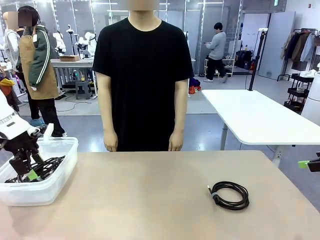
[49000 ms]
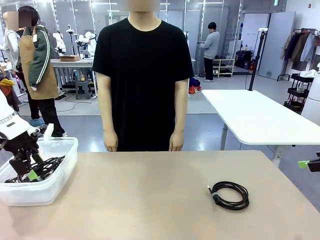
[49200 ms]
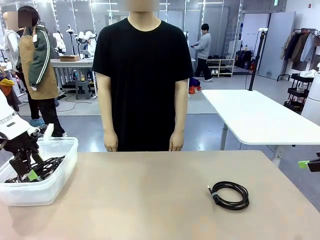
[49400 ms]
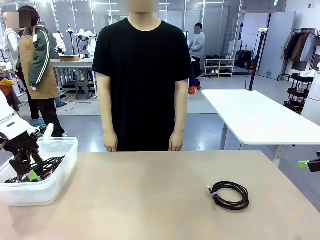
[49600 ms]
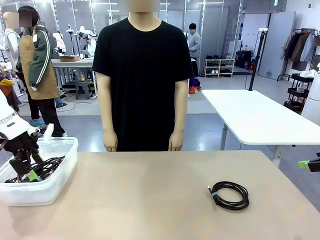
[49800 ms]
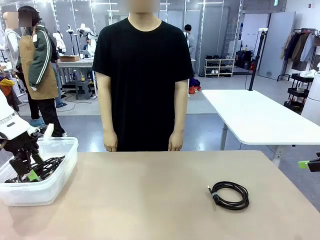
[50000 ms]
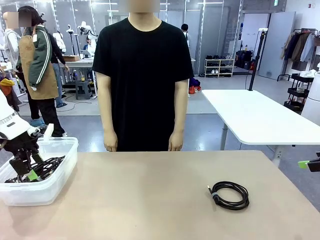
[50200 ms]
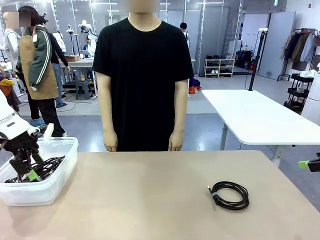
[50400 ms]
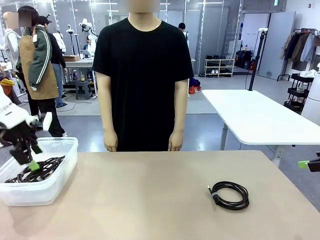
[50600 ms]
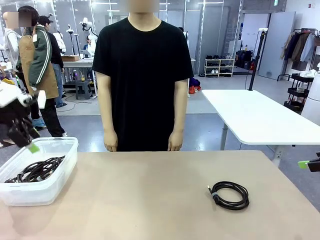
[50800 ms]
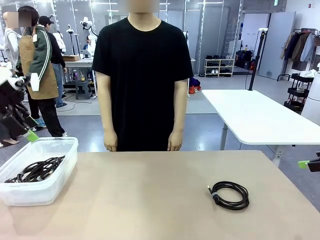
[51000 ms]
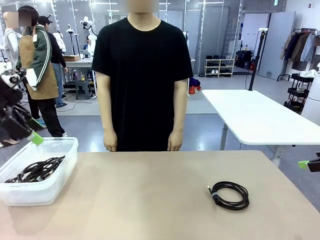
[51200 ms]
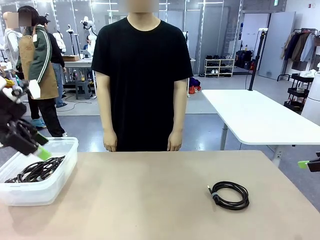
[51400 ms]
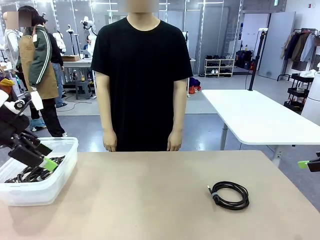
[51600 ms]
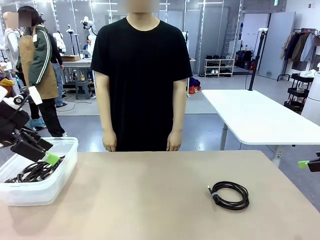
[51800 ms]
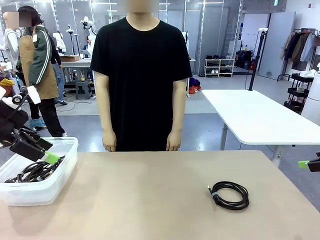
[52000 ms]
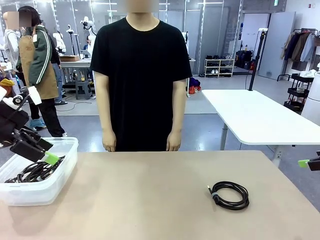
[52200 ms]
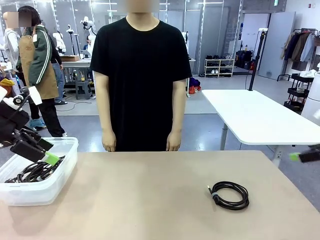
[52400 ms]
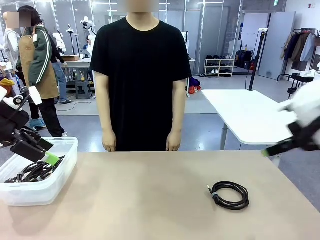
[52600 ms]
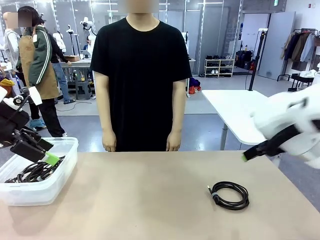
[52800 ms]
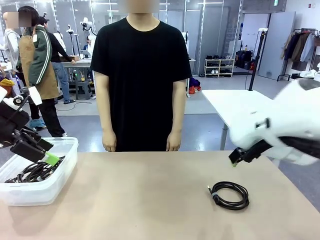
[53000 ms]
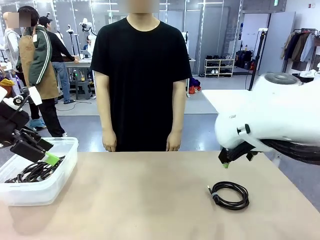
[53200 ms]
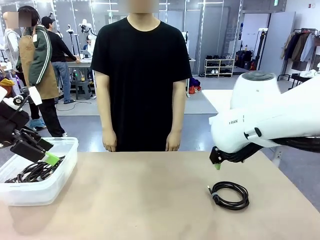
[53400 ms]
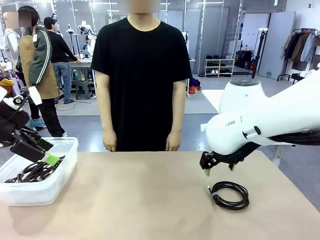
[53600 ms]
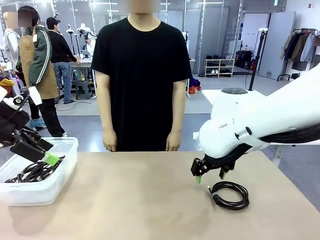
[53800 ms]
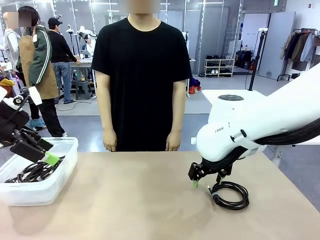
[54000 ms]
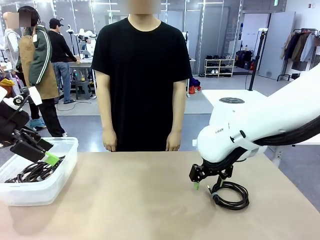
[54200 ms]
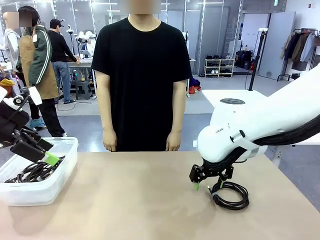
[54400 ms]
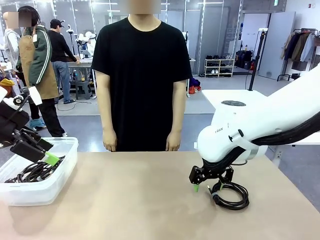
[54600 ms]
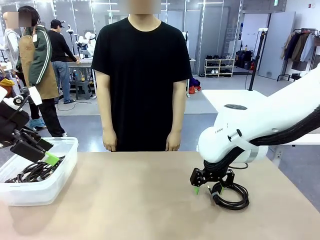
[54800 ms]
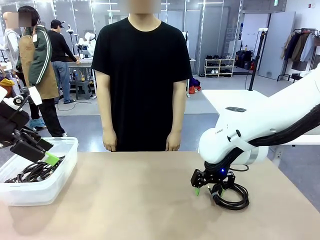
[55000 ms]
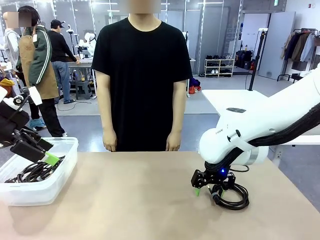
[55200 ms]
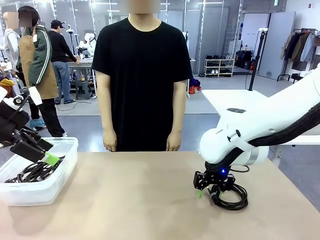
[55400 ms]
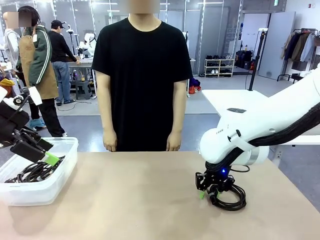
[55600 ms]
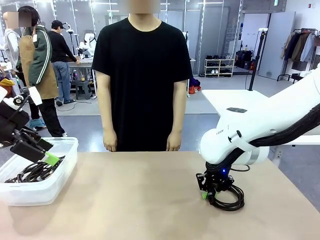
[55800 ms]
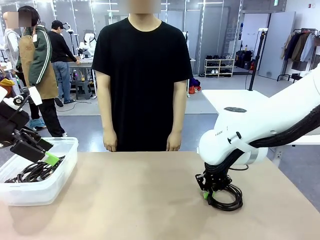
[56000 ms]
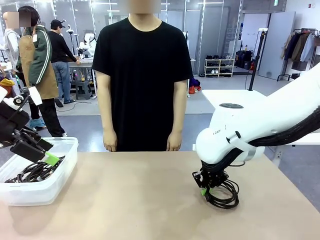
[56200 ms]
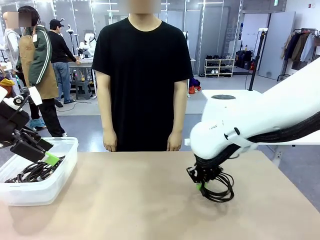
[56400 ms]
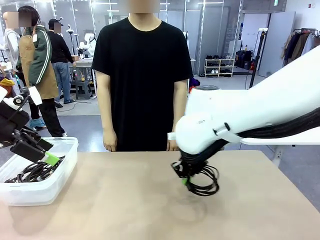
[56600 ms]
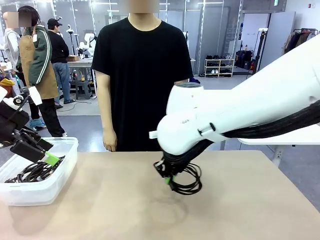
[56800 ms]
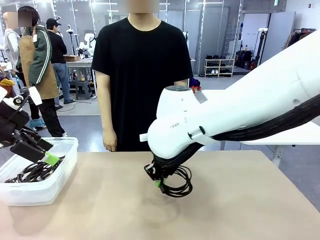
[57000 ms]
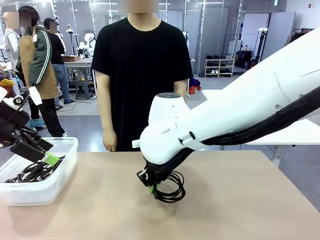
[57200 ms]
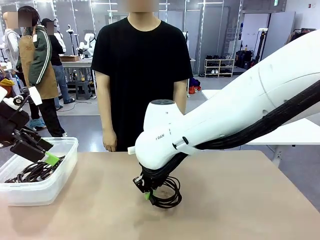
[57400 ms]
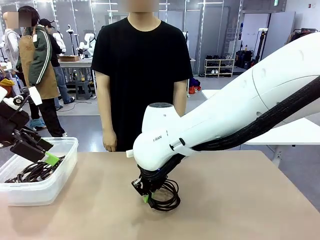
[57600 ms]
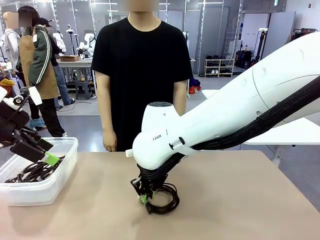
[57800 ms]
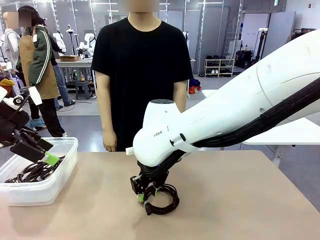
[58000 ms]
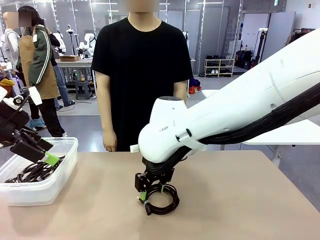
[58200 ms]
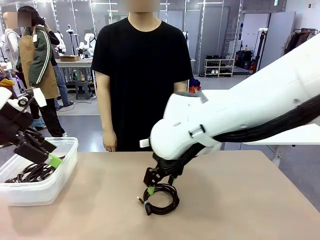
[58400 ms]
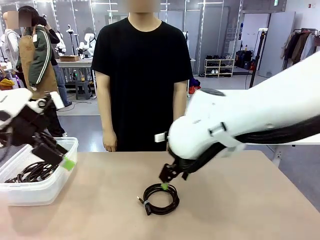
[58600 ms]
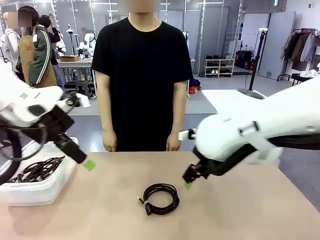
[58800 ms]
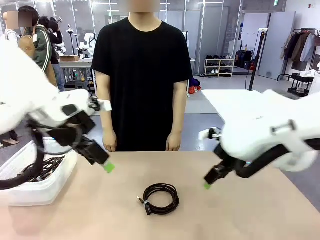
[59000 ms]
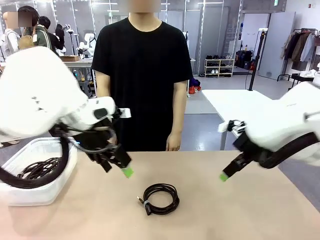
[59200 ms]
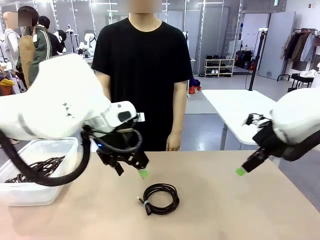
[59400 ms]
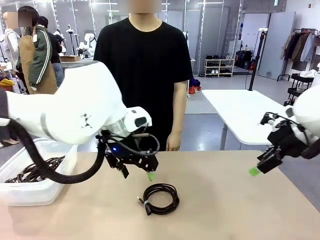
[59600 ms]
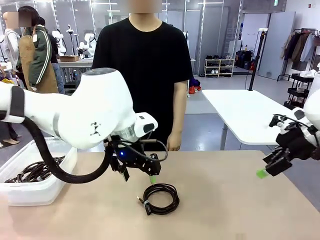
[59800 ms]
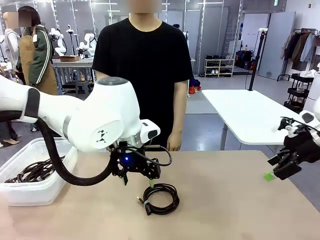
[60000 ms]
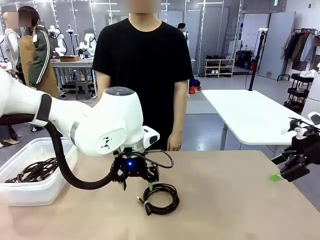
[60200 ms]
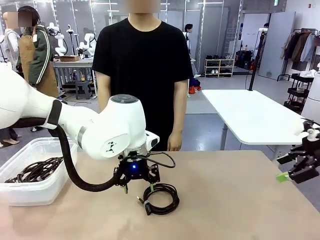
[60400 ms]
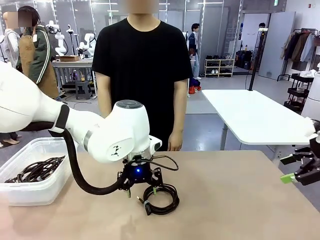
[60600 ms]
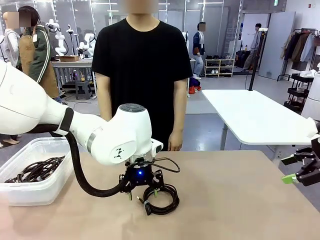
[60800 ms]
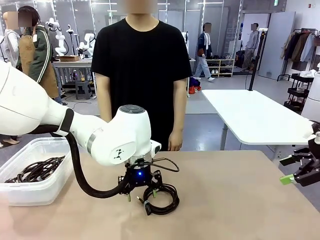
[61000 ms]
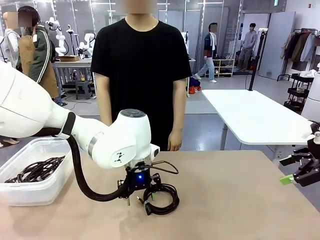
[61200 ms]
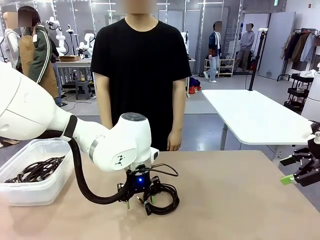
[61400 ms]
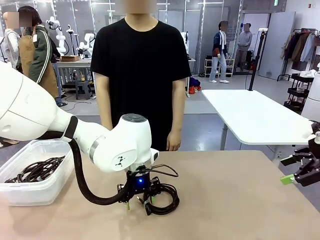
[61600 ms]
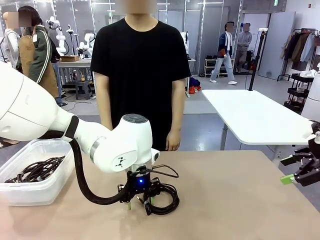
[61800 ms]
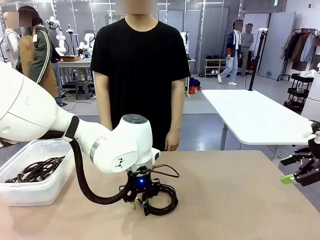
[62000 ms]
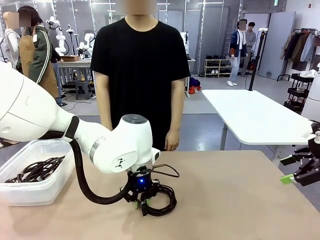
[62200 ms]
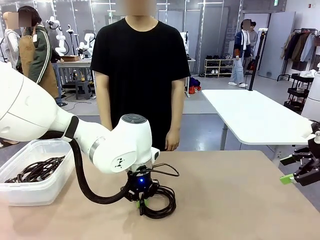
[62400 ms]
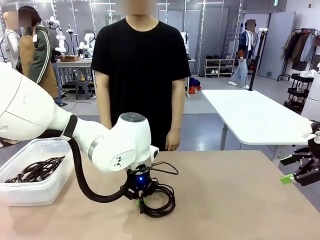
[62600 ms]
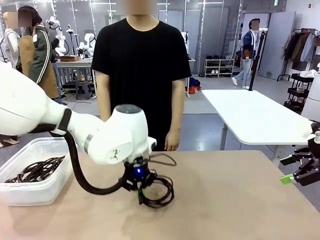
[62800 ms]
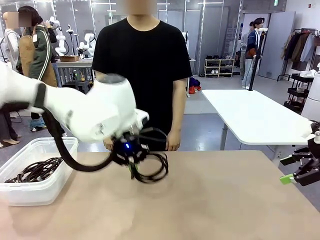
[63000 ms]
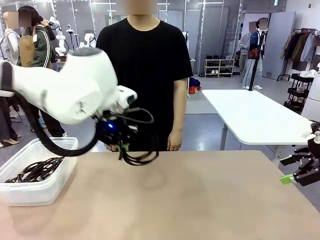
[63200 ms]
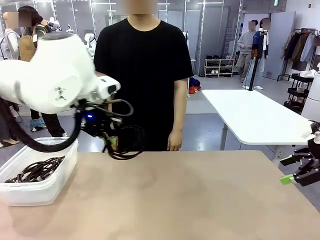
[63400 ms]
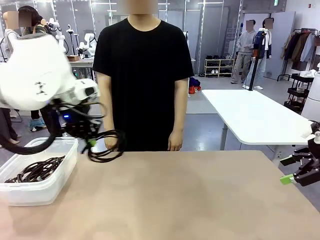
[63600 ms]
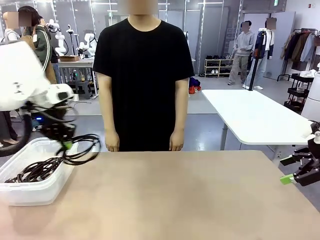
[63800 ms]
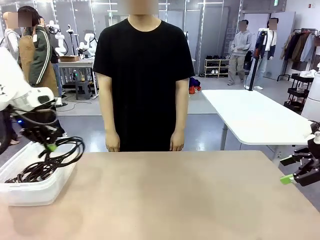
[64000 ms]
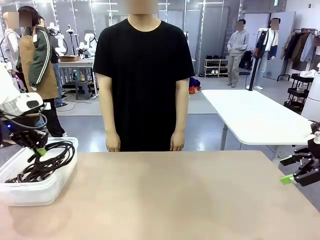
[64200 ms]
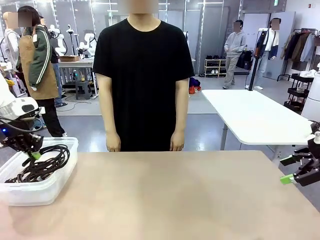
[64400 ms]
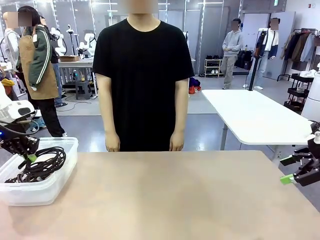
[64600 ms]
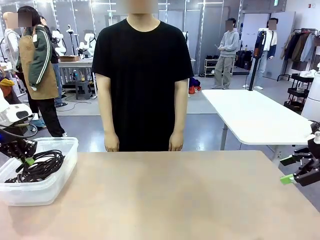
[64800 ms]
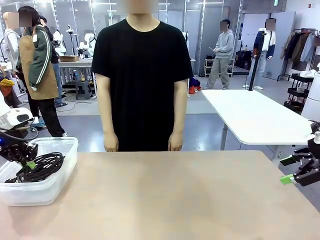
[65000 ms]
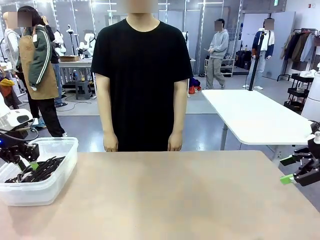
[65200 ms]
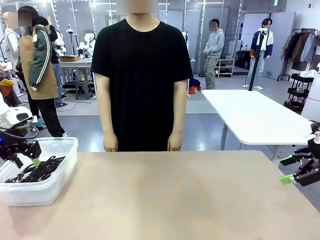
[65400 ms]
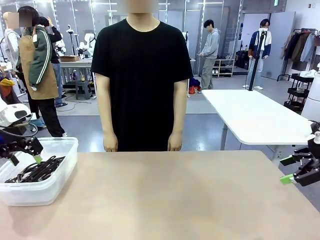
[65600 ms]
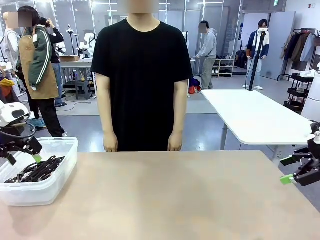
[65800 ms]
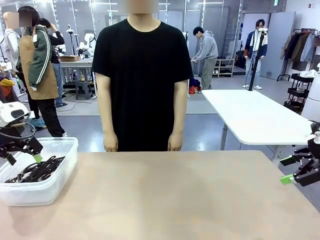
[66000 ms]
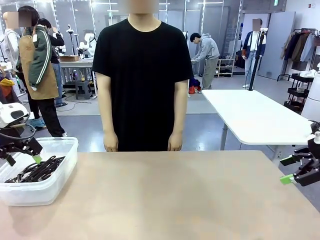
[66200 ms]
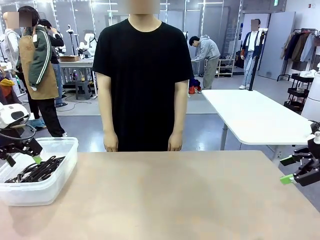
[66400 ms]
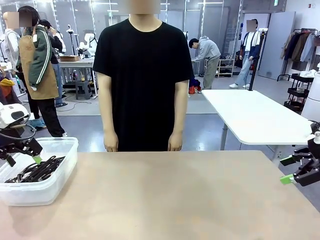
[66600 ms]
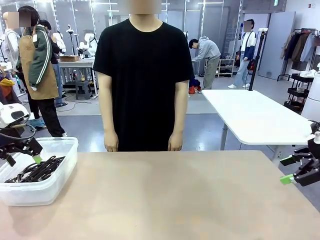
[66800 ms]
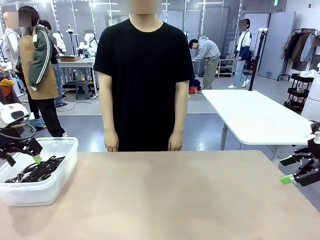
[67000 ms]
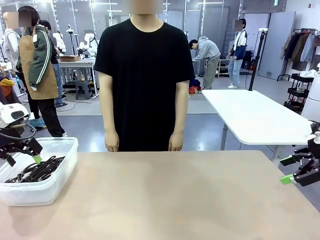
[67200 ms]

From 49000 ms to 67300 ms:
Task: Organize and store the cables.
Robot: Place the USB Extension Cable into the Organizing box.
